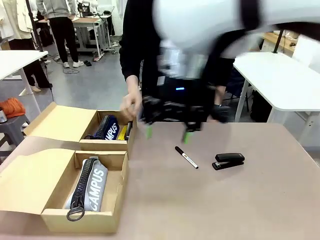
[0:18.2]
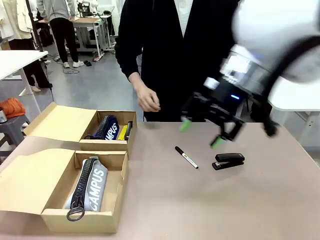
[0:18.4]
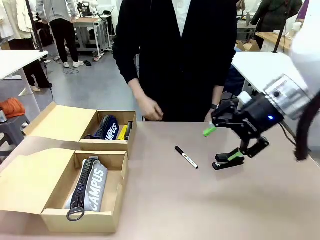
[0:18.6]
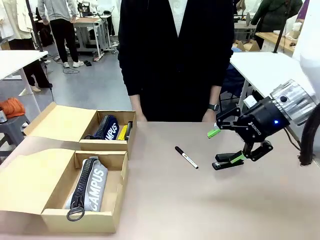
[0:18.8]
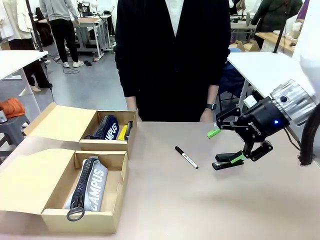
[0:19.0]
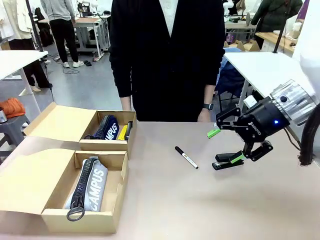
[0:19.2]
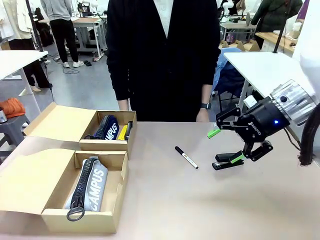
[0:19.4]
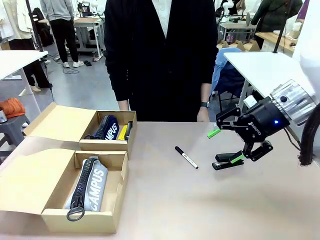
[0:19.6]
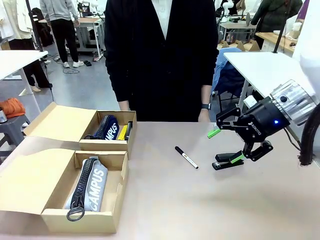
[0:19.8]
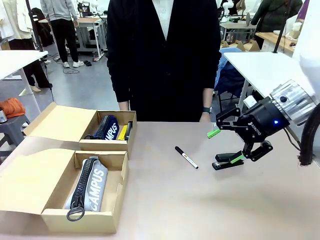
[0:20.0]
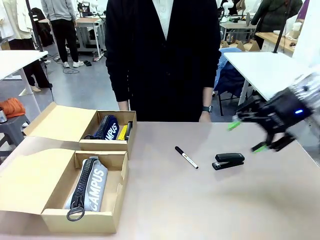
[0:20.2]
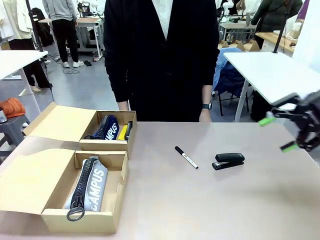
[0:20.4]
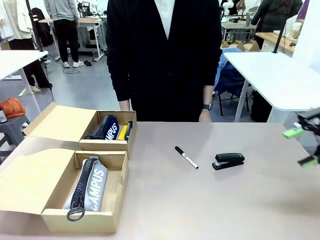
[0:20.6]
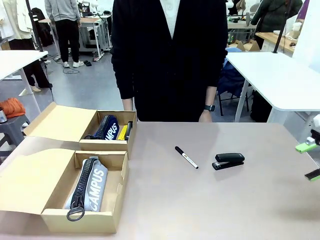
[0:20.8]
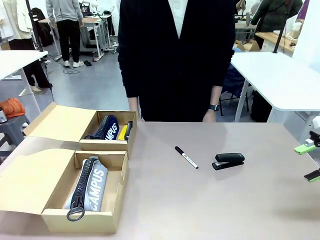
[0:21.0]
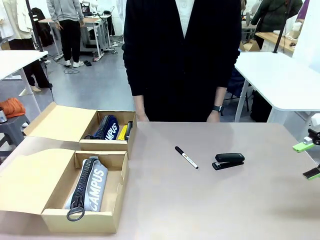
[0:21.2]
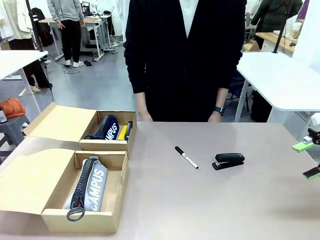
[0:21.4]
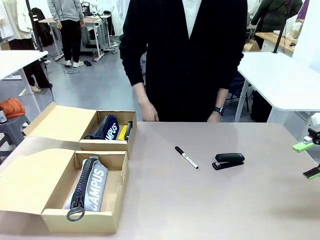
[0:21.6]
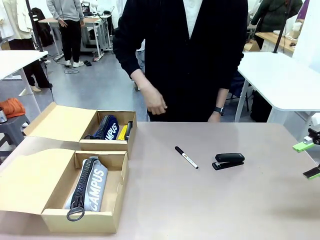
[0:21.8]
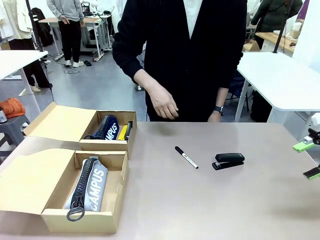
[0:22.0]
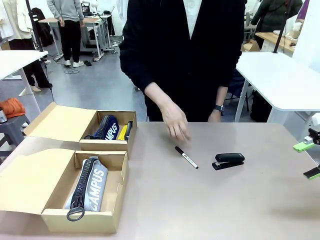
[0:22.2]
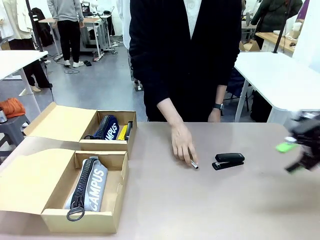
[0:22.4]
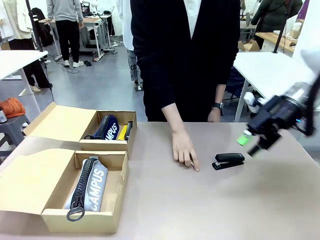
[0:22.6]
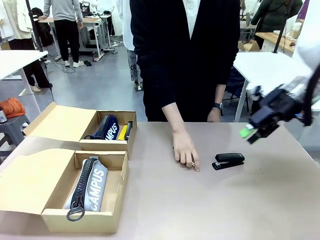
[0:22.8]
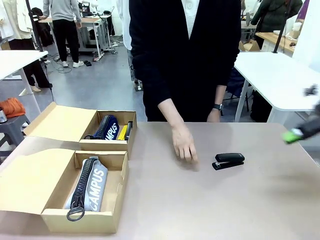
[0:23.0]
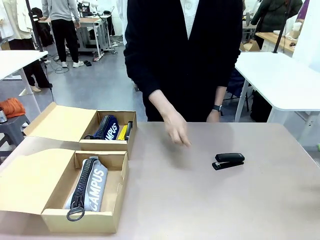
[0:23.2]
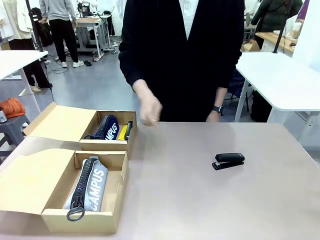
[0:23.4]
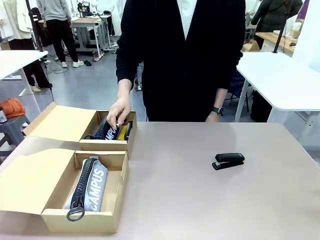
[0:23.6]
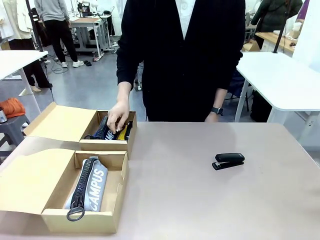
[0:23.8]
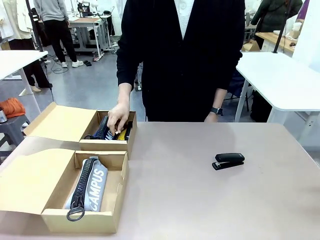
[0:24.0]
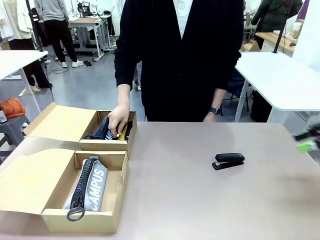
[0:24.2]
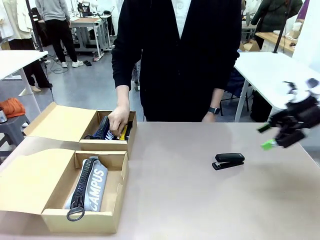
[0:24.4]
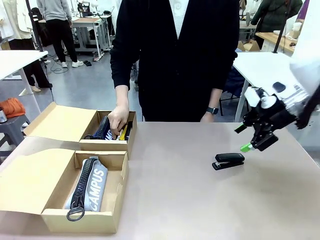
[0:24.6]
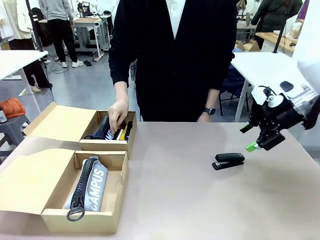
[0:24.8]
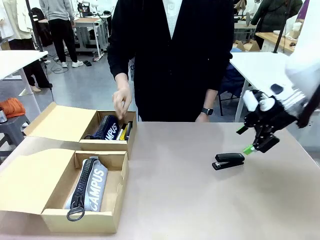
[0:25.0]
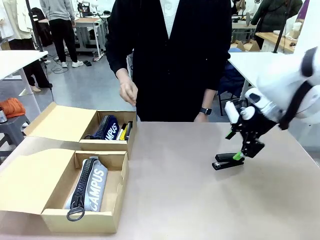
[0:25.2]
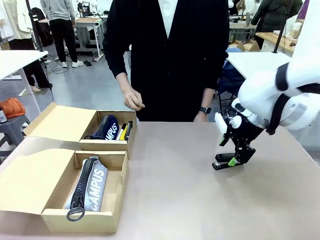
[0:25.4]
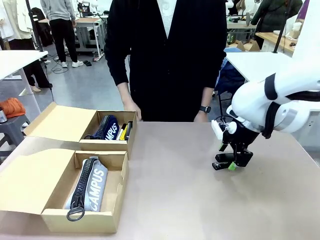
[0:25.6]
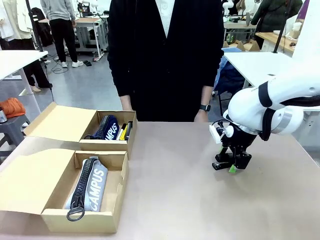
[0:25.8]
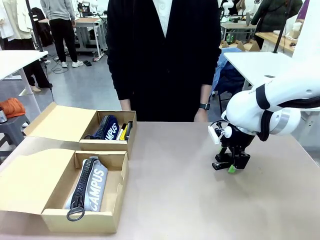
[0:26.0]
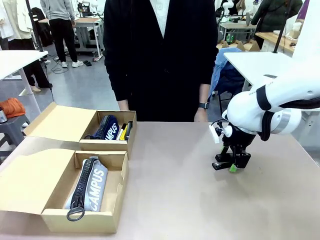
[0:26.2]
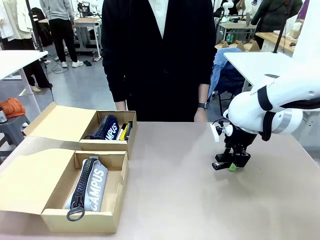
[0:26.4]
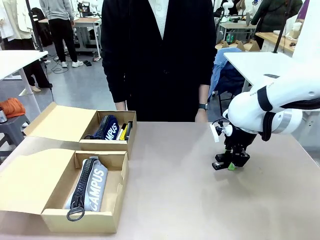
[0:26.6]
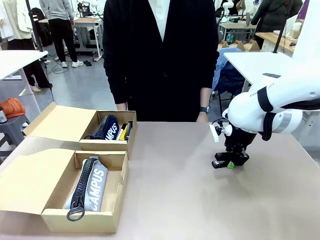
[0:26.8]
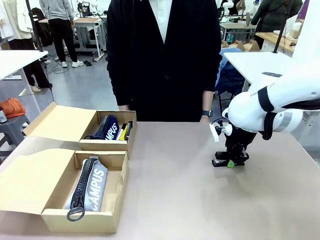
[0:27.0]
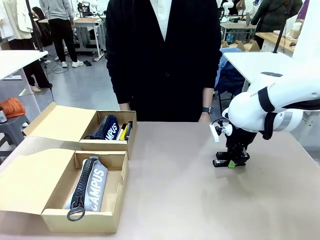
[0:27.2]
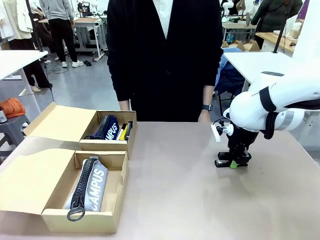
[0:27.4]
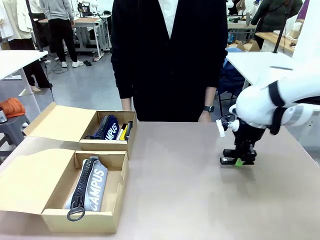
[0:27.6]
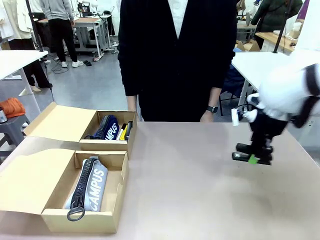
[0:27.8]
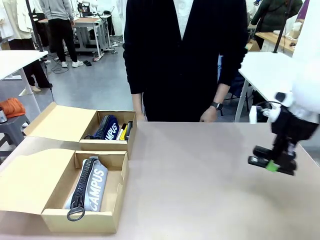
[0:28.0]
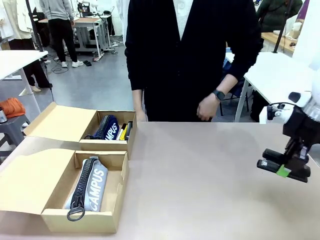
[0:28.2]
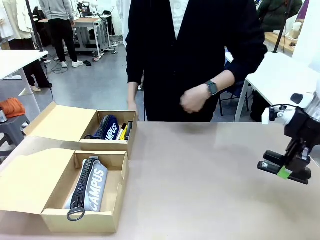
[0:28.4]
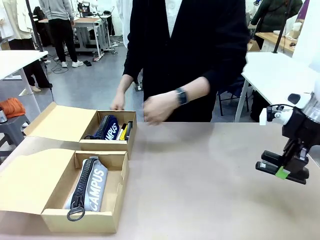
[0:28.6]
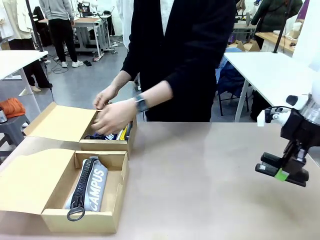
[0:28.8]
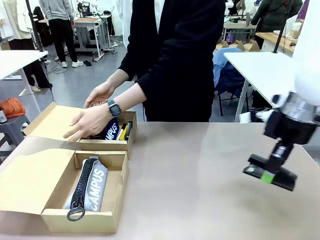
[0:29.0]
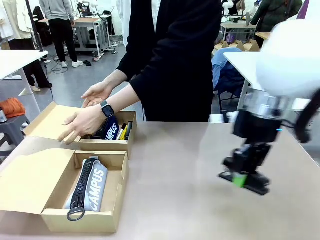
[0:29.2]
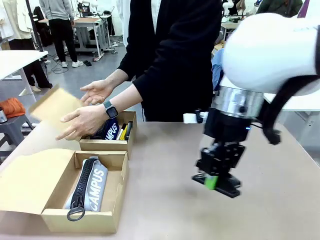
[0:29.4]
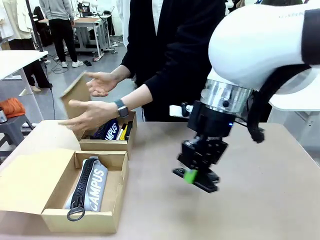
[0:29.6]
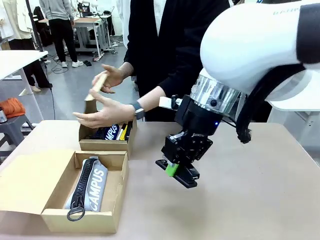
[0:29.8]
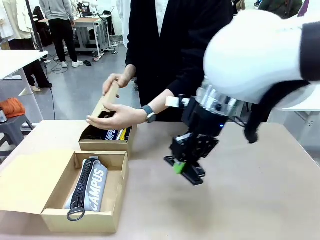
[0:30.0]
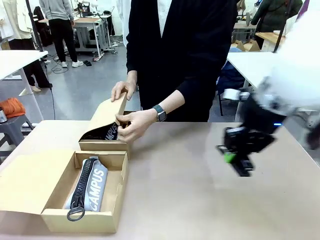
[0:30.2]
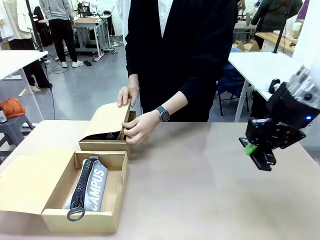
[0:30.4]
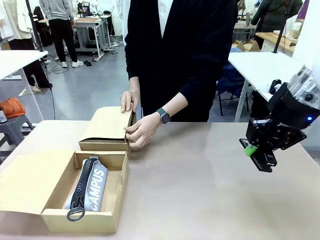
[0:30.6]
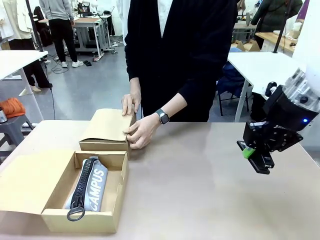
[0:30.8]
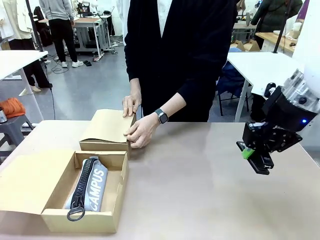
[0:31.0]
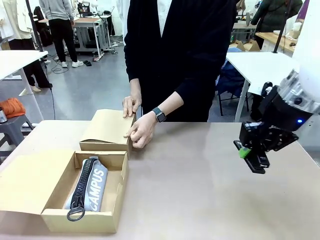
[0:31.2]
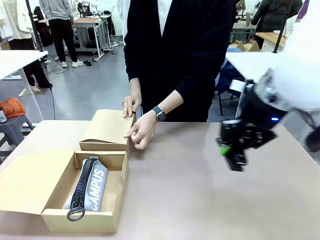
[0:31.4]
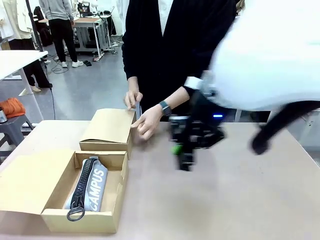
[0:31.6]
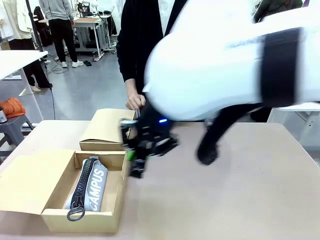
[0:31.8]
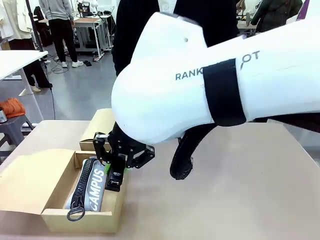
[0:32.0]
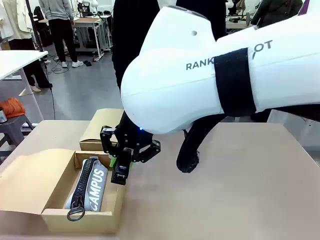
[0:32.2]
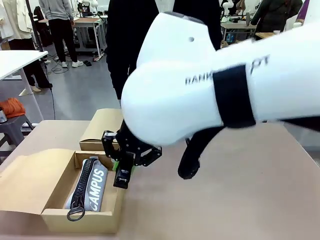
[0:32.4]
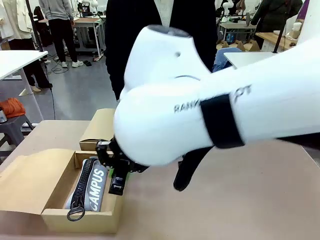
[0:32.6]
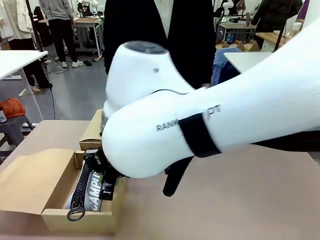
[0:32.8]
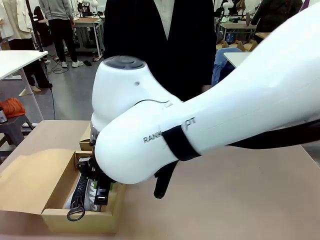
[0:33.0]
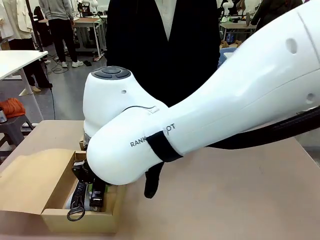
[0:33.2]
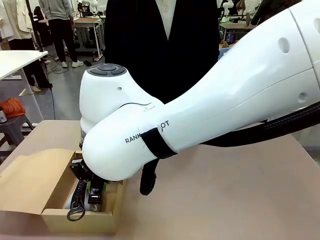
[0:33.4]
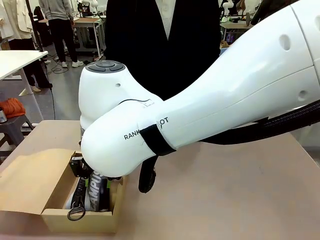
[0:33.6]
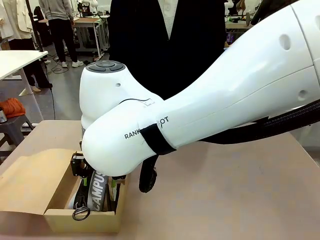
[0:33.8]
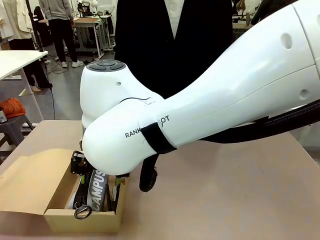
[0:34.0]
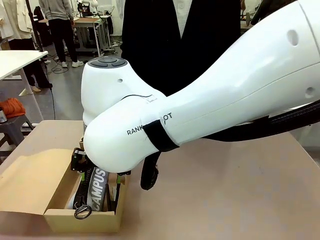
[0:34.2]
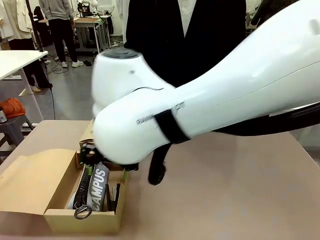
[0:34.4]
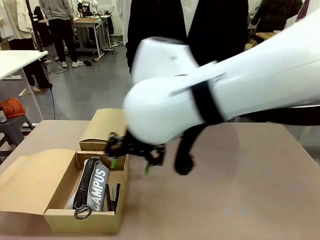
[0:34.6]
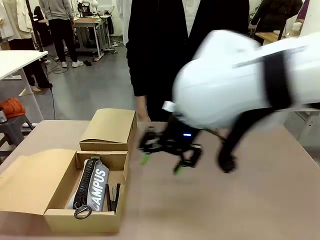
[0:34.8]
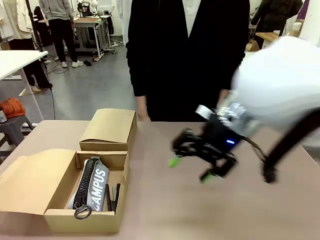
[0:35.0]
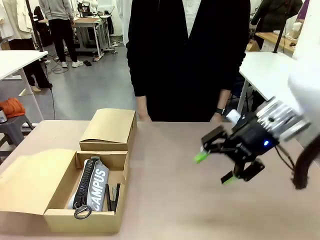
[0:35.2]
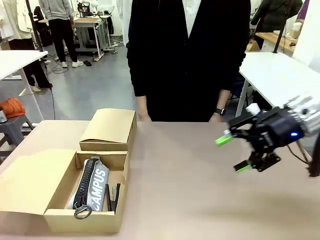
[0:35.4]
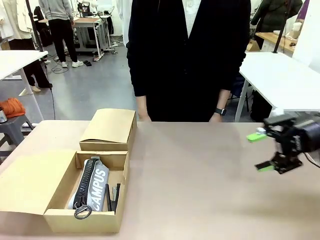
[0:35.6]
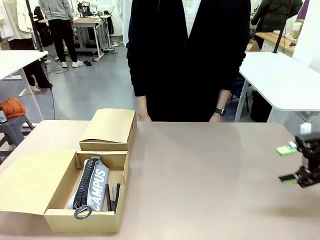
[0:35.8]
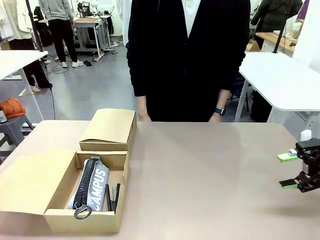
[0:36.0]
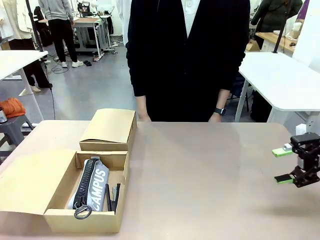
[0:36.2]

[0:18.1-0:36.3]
Task: Place items inside the box.
Robot: Pick up a Pencil pouch or Stapler and place it inside the Mailer Box closest to the robot.
